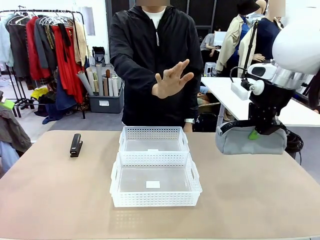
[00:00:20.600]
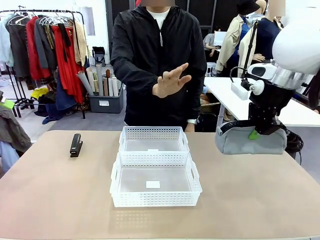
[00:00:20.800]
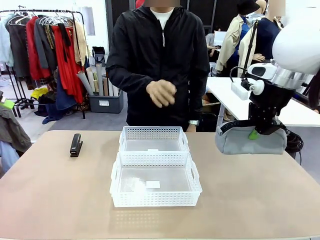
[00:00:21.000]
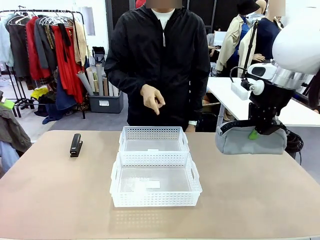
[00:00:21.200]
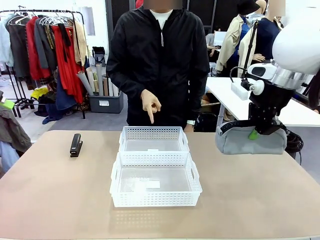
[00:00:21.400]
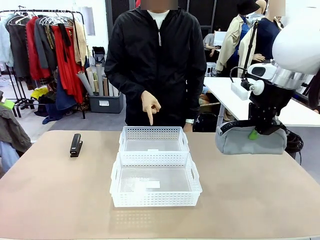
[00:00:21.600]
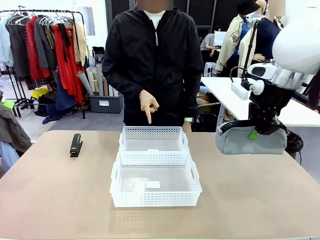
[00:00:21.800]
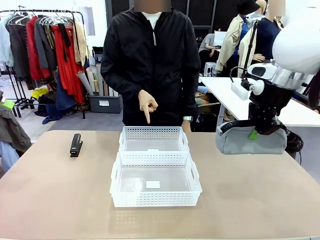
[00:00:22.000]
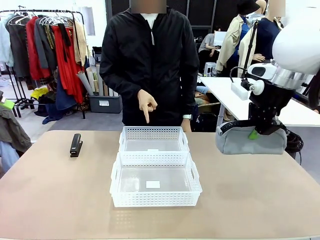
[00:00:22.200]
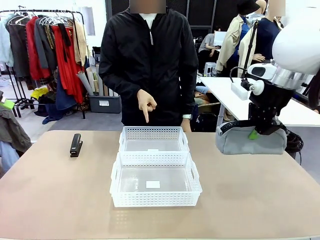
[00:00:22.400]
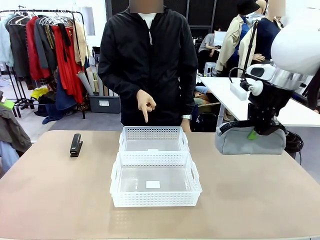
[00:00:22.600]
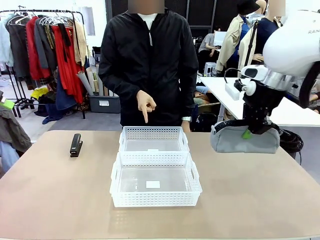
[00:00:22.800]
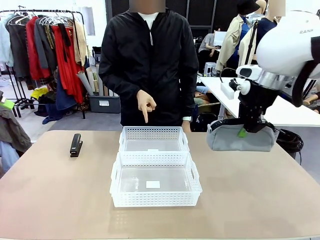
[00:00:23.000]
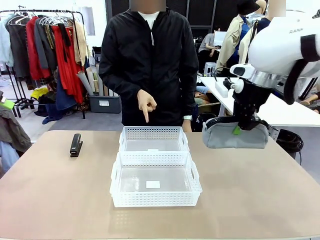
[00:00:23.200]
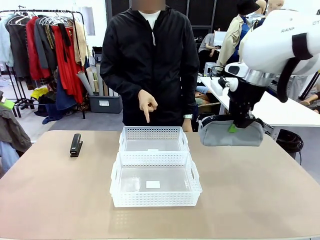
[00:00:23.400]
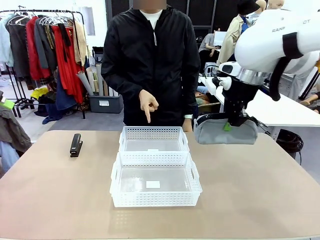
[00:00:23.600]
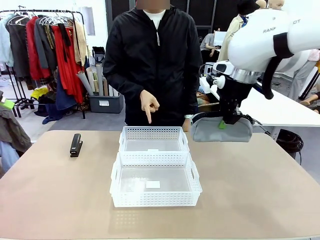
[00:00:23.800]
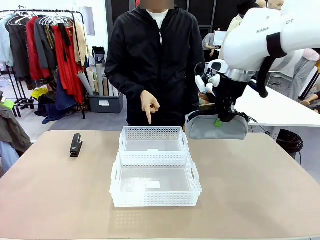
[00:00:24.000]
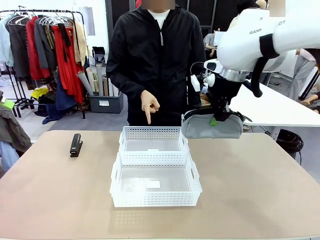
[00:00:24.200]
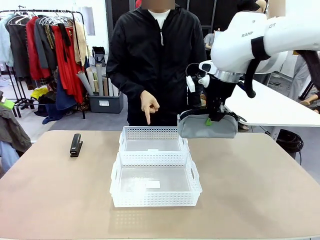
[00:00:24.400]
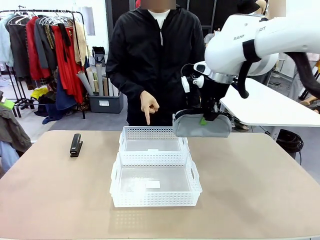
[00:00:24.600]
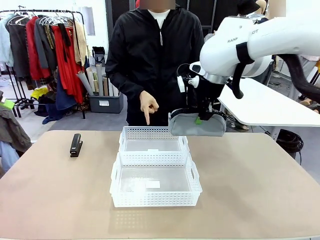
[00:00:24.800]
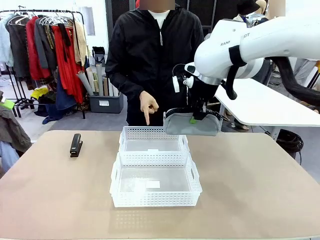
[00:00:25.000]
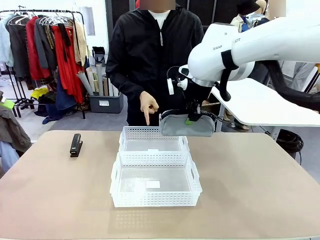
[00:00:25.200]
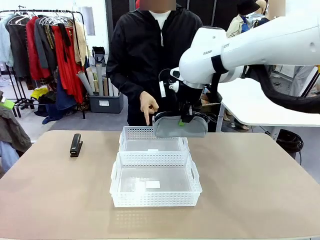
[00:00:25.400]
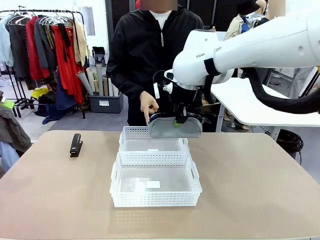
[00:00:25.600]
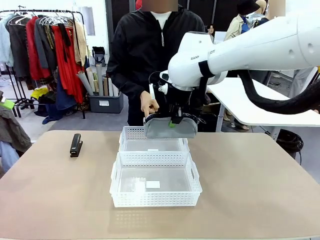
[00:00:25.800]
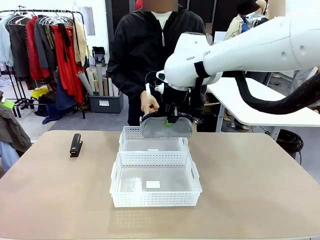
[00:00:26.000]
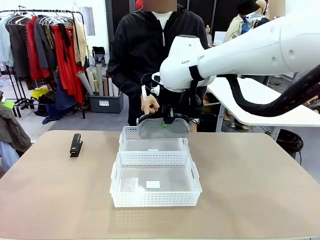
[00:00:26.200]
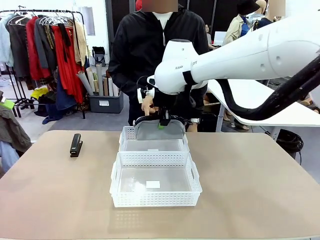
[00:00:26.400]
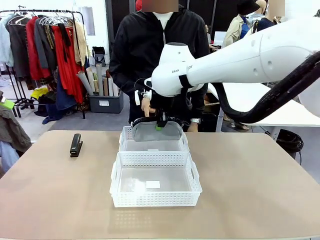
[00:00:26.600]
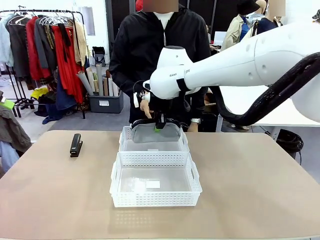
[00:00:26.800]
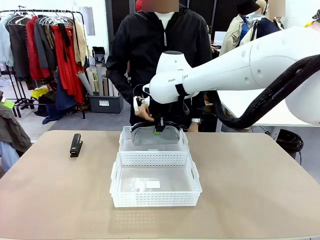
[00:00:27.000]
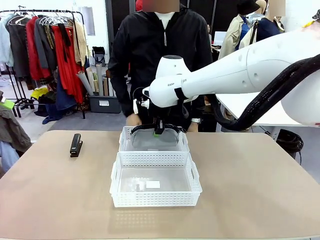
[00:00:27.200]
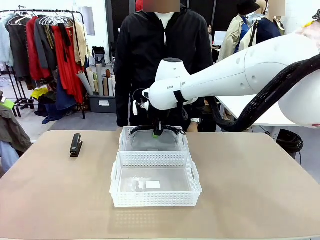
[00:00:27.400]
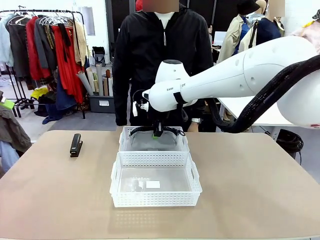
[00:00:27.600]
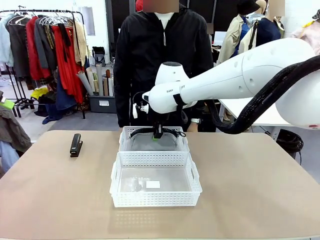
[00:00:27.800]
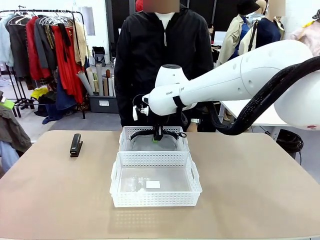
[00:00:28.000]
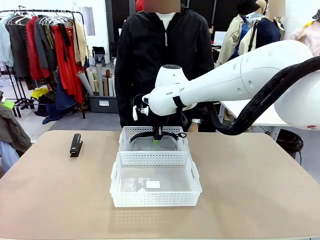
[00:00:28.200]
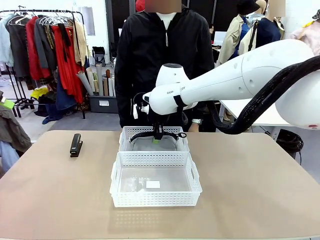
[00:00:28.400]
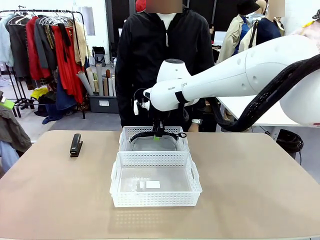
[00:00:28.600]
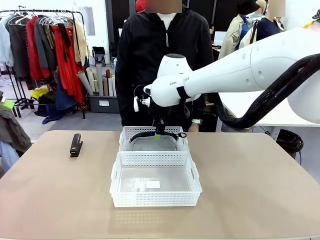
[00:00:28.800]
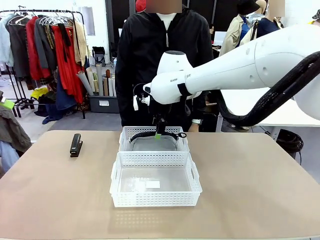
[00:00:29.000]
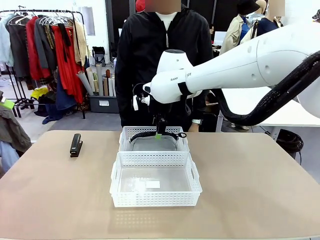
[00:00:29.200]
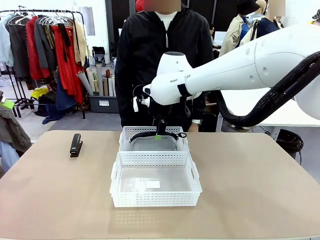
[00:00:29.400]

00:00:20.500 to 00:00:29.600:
Task: Distribute items into two baskets.
Robot: Place the picked Pencil pouch into the Organizing basket as instructed by the person.
Person: Instructs the robot to place the pencil case into the opposite basket. Points to the stapler.

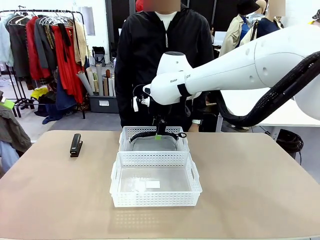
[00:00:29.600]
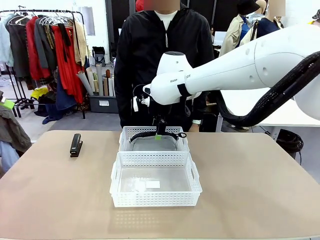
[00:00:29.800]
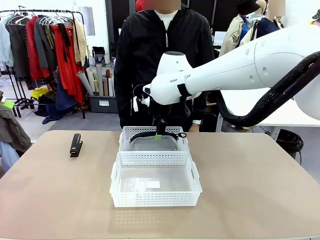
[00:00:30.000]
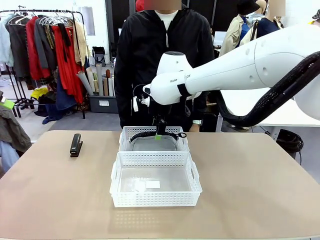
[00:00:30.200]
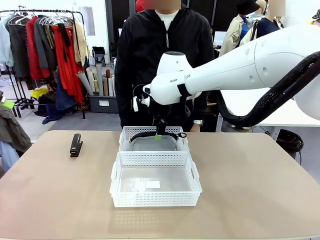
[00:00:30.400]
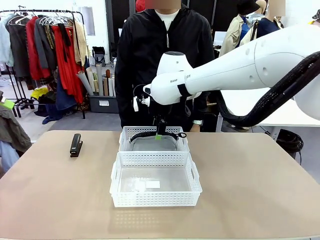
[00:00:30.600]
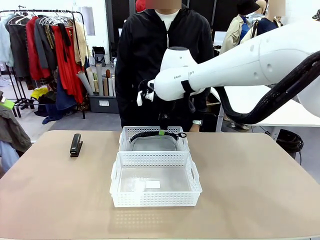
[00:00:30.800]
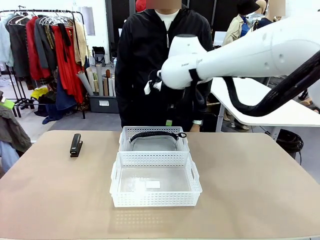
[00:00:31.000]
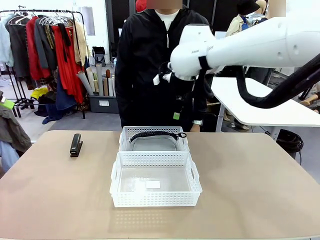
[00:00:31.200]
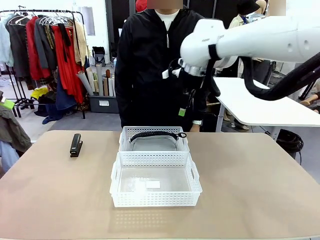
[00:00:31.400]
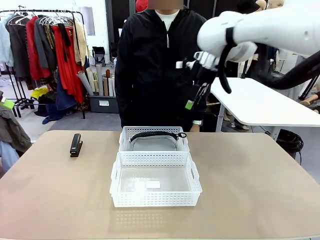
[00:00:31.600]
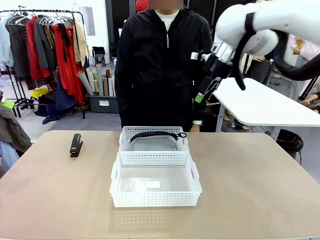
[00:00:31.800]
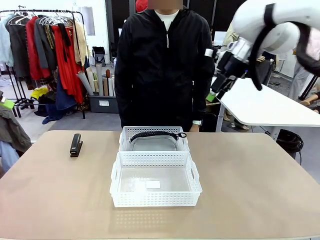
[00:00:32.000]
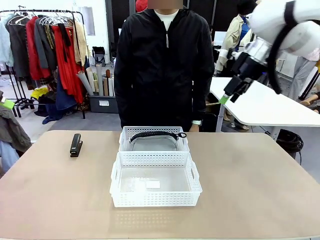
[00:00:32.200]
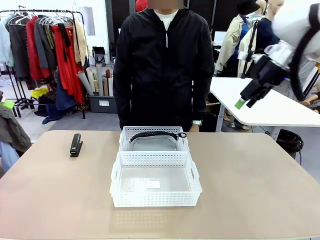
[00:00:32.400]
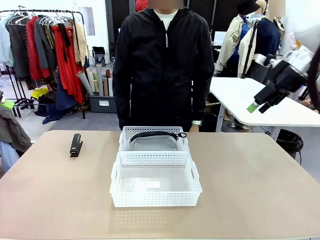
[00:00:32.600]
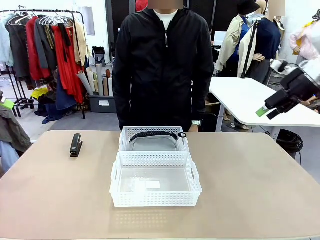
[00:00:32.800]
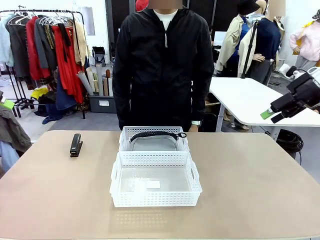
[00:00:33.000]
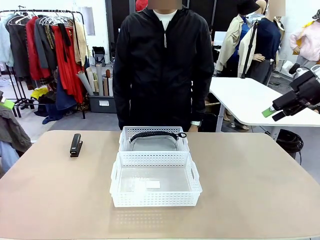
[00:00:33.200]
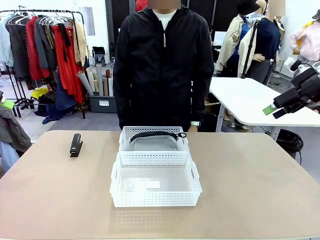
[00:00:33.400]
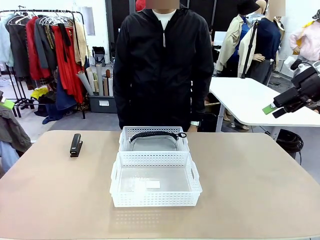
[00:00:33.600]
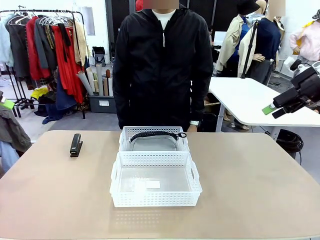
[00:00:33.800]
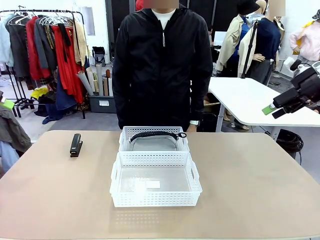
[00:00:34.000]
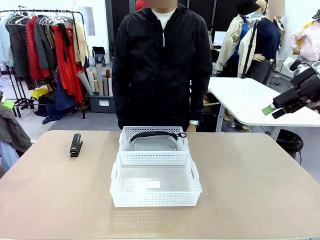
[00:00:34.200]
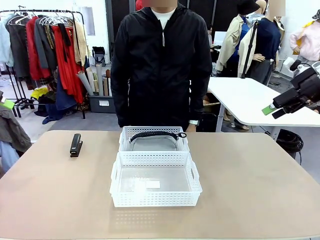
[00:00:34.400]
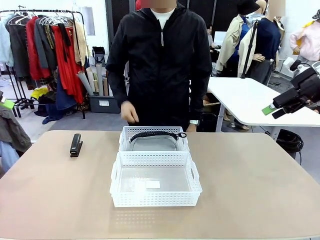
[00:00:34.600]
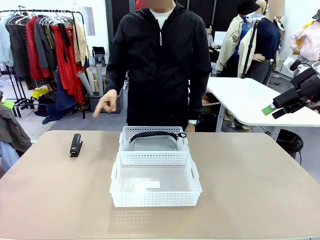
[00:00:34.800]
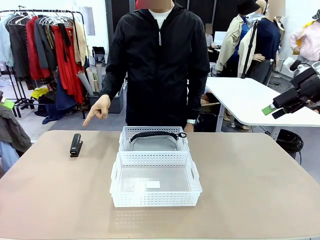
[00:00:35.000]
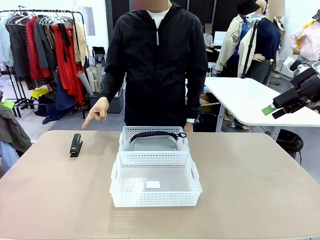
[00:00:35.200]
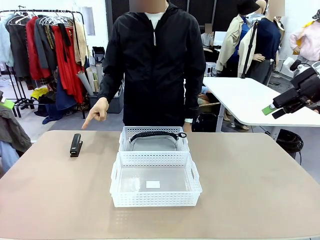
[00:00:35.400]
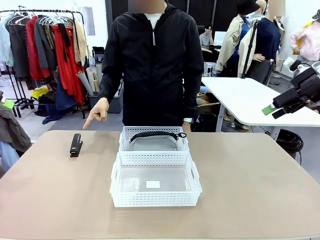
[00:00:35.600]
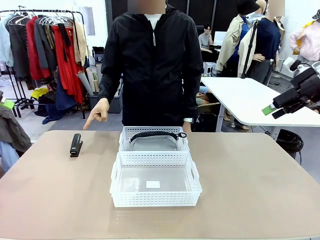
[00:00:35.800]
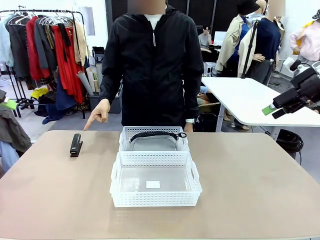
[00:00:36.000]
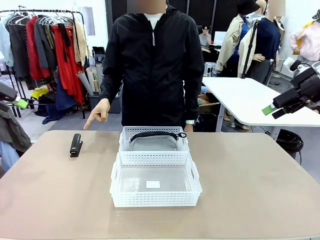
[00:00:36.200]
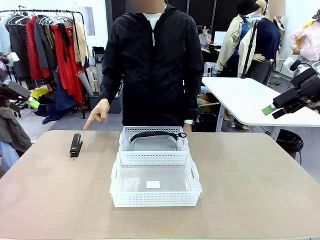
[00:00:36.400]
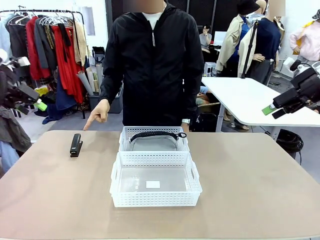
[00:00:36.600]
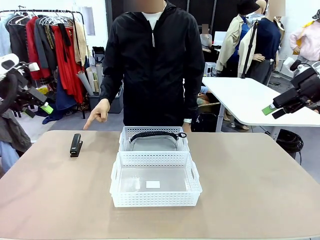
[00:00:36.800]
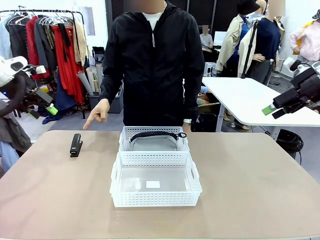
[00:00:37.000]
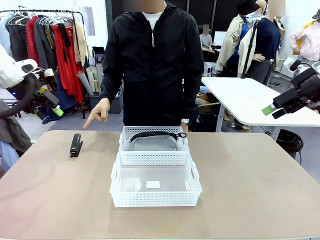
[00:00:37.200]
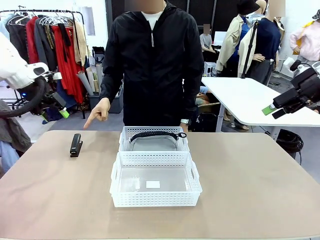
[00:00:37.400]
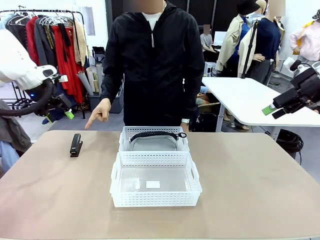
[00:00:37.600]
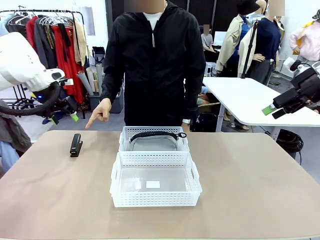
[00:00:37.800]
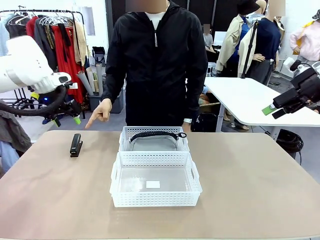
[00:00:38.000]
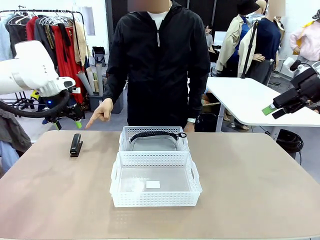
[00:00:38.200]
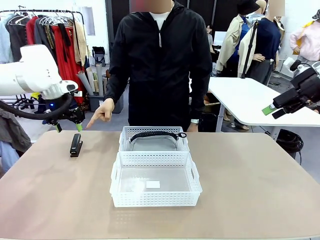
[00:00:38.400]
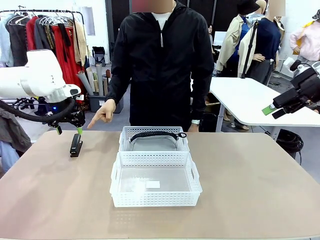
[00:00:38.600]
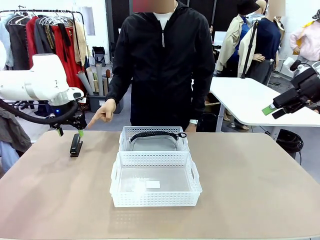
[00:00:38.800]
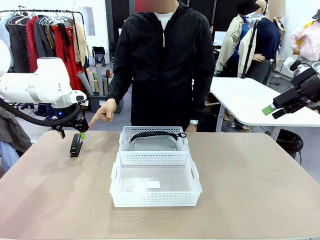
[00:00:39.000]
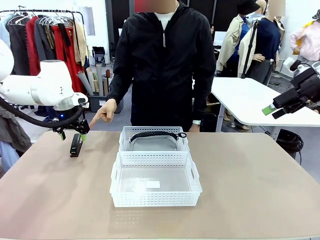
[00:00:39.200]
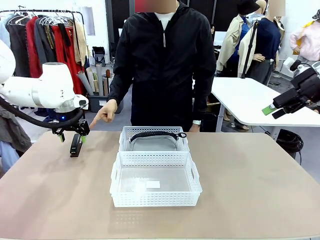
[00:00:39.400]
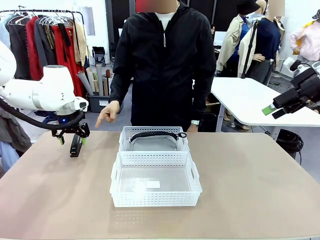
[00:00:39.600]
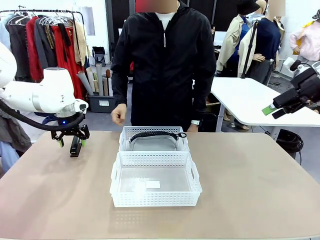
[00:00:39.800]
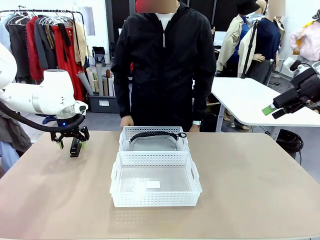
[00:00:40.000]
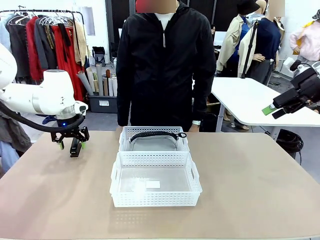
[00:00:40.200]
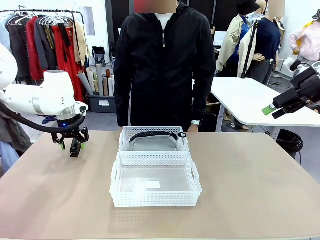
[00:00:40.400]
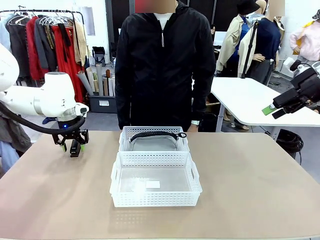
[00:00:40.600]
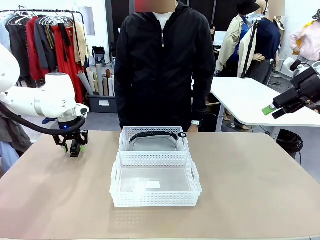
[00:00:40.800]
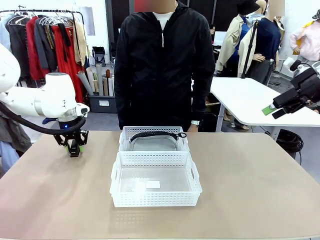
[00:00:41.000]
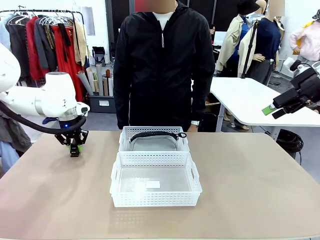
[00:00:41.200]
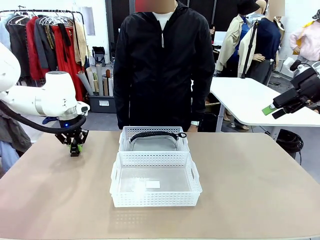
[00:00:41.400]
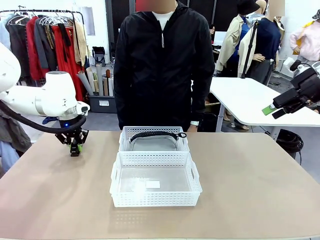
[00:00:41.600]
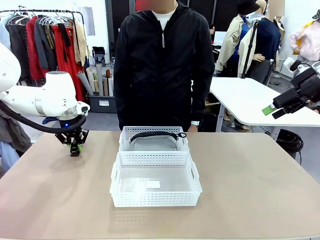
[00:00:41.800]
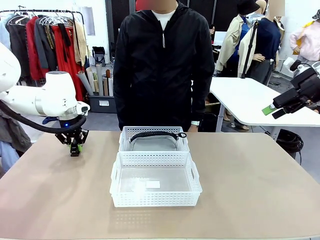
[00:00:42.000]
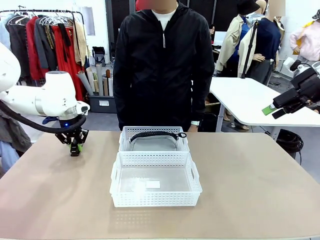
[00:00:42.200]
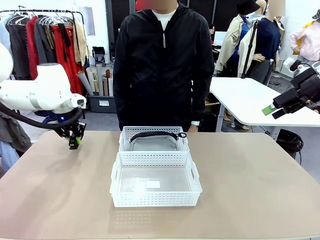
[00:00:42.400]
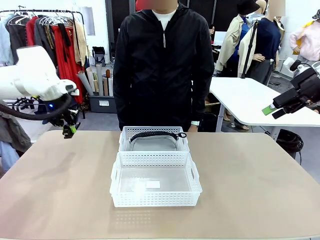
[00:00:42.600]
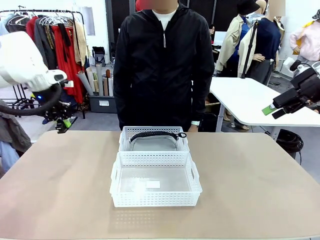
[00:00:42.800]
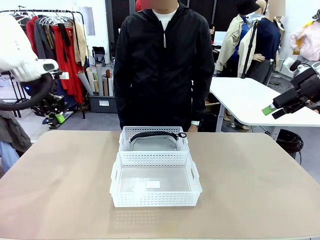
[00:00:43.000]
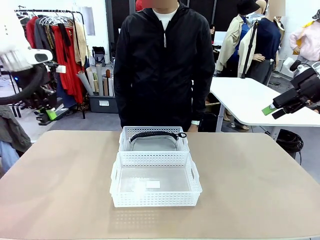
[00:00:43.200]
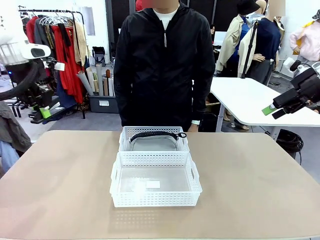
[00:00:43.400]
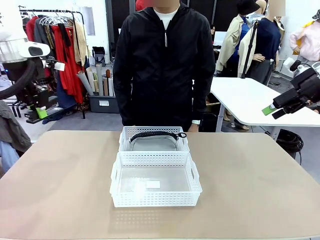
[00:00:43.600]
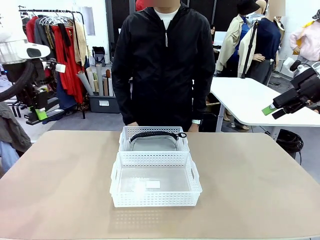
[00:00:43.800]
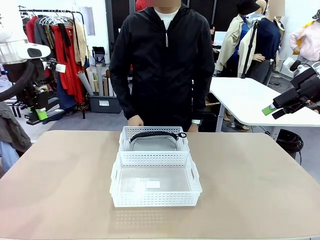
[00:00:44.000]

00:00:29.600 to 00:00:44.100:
Robot: Pick up the Stapler that the person points to.
